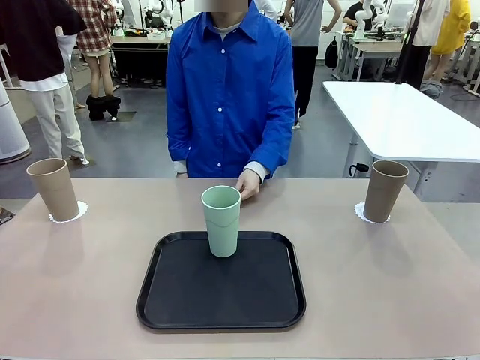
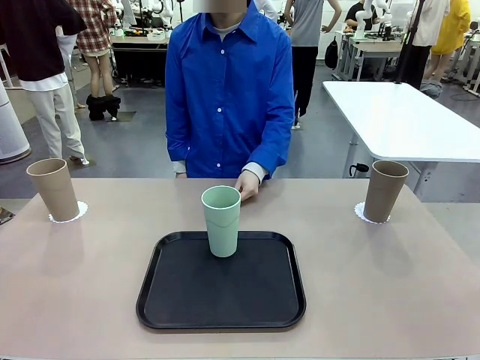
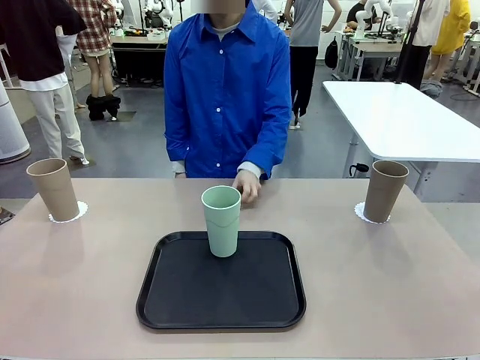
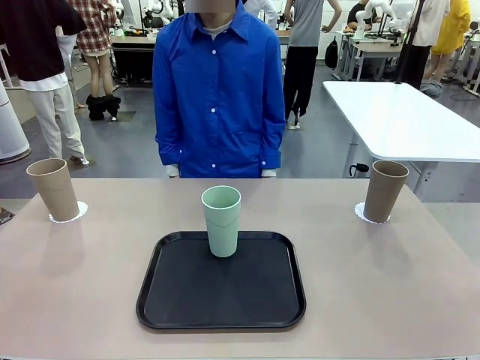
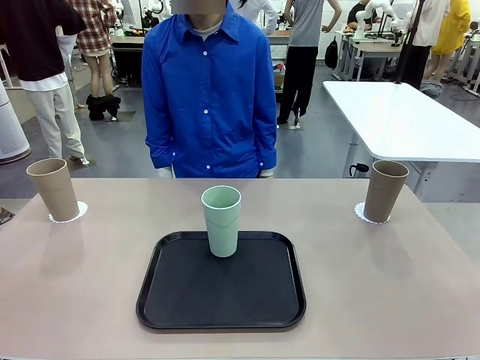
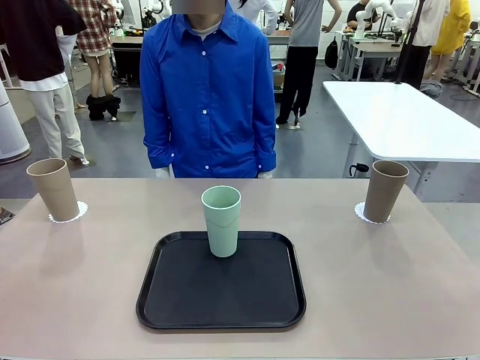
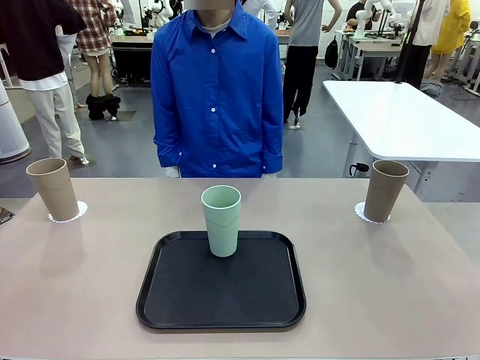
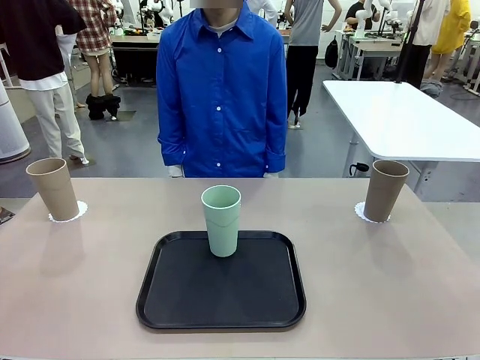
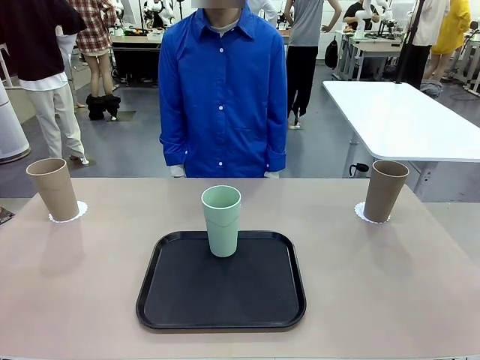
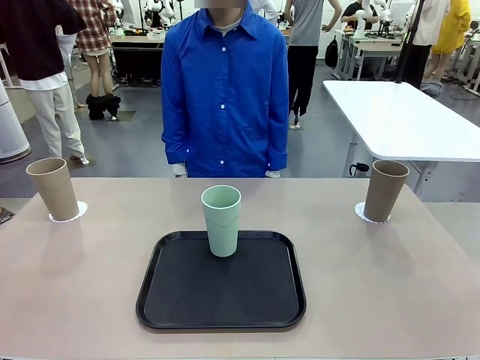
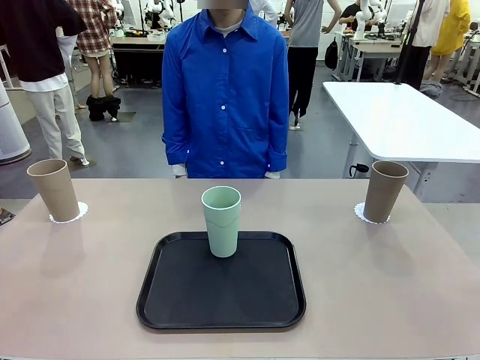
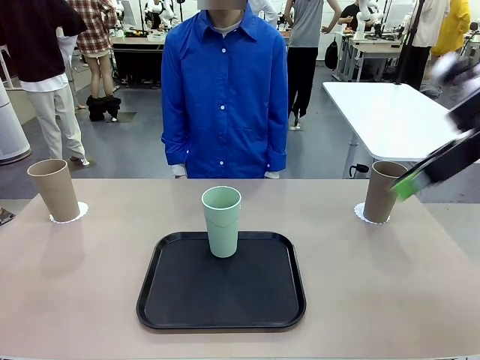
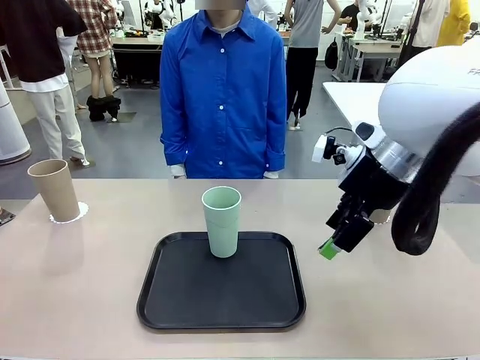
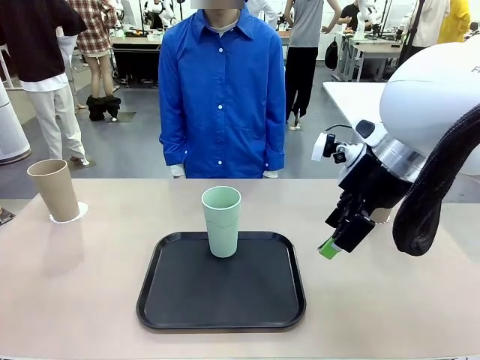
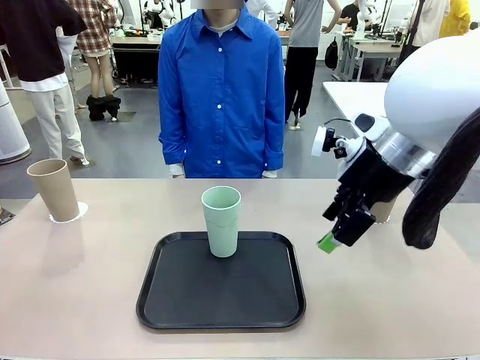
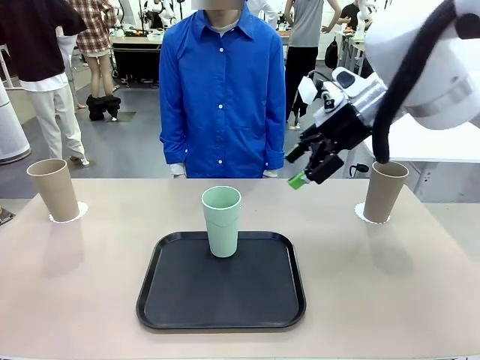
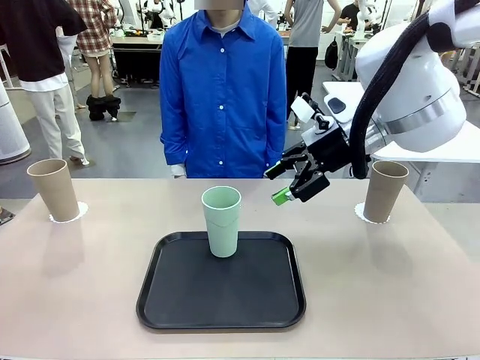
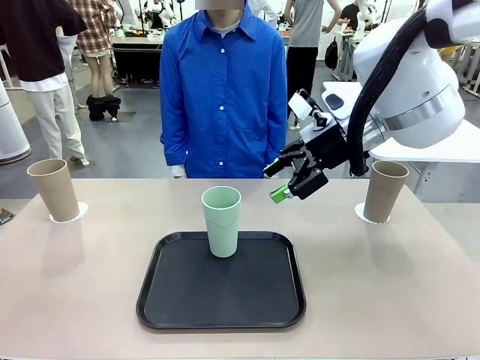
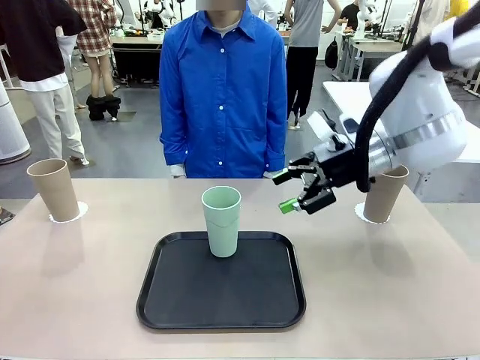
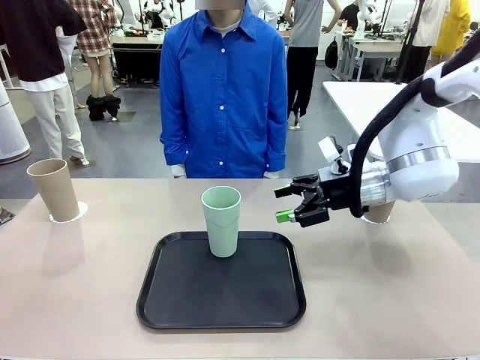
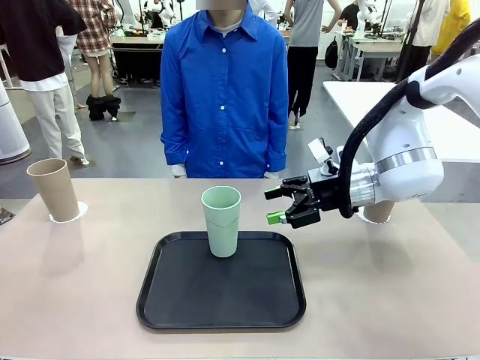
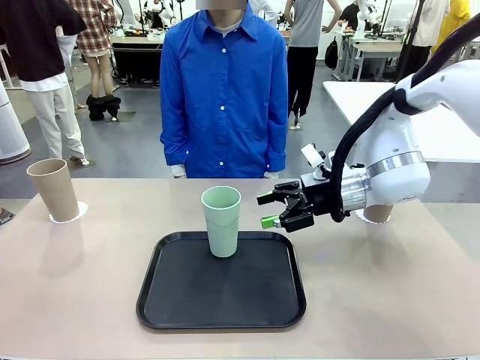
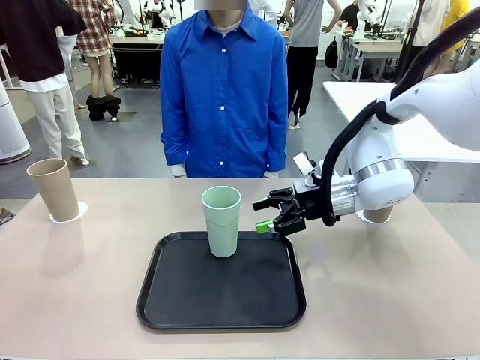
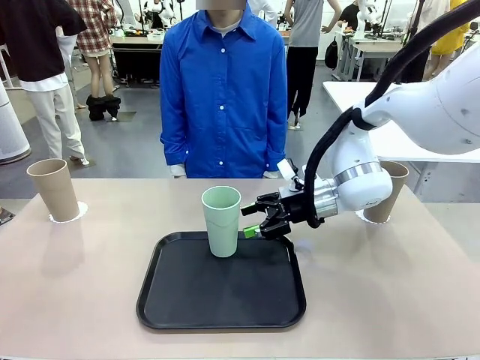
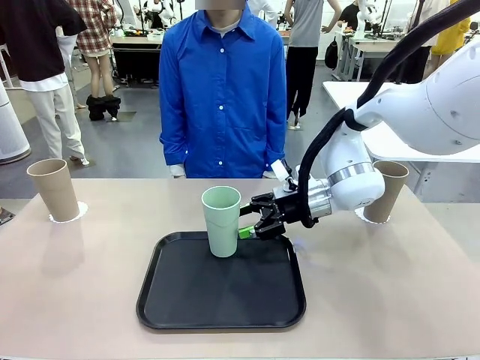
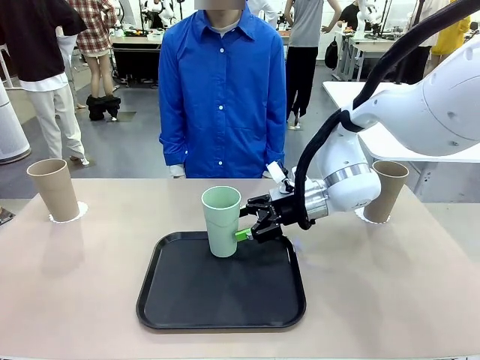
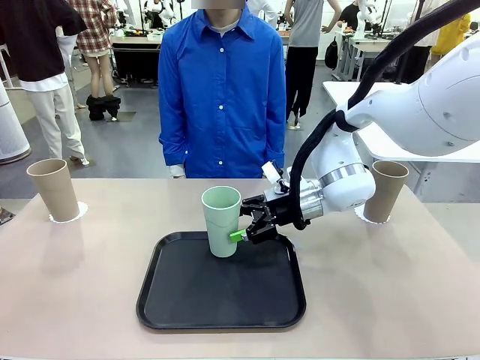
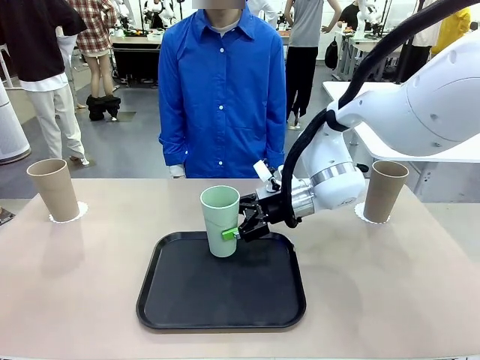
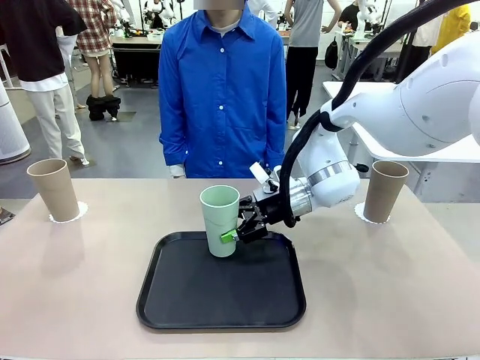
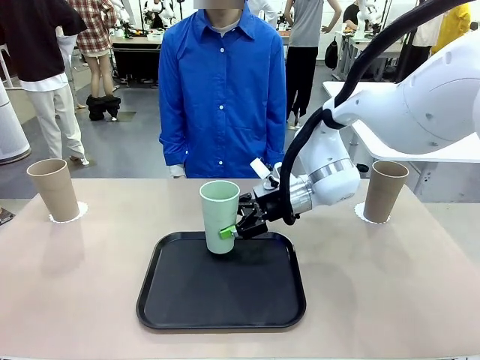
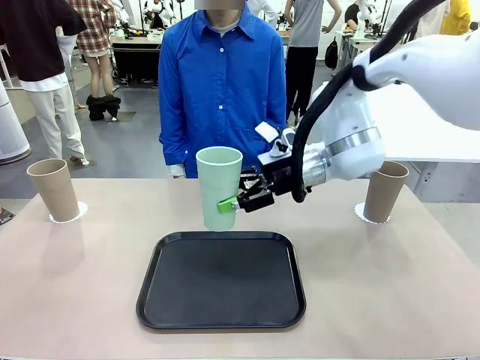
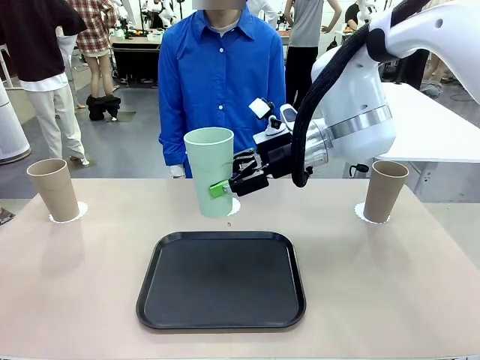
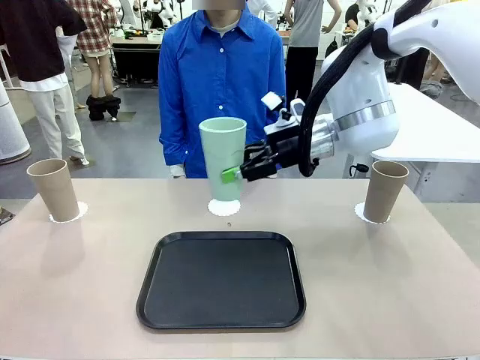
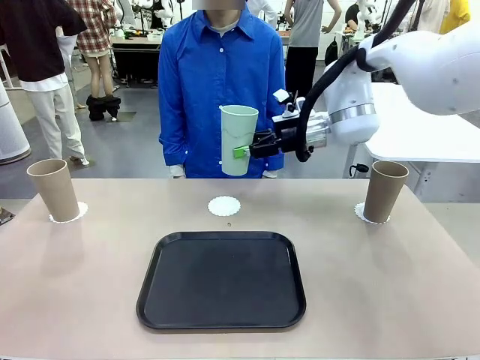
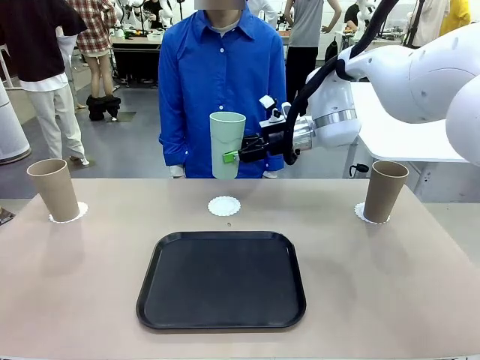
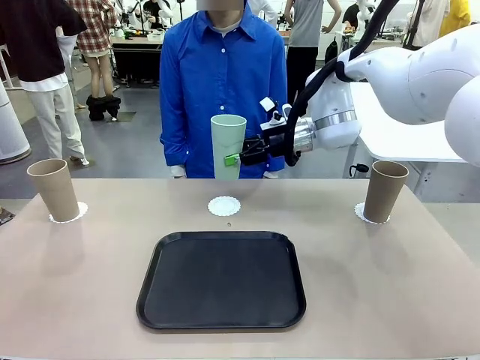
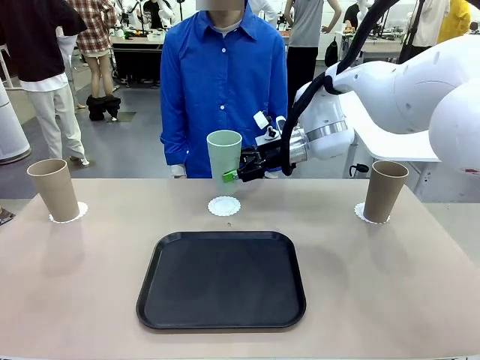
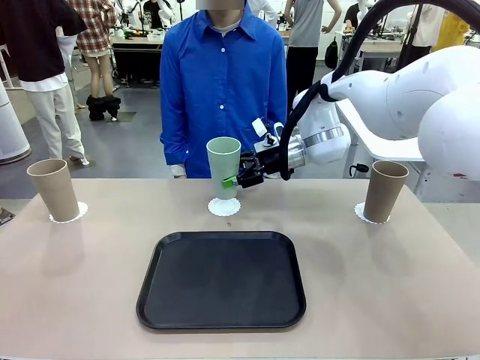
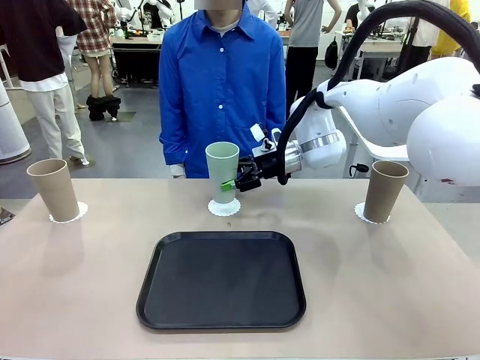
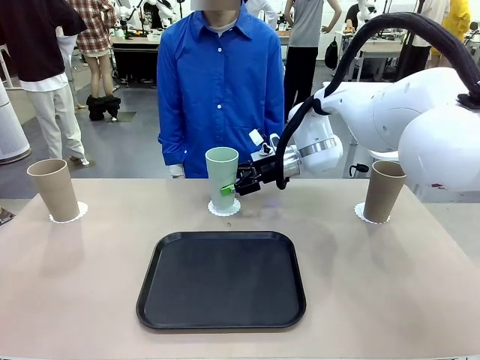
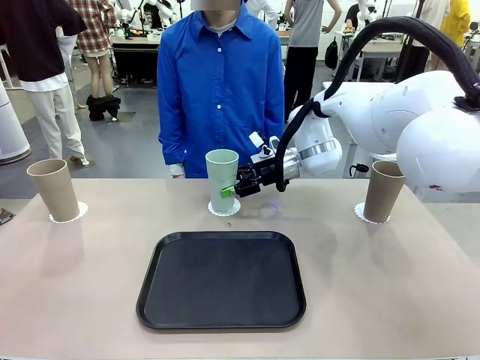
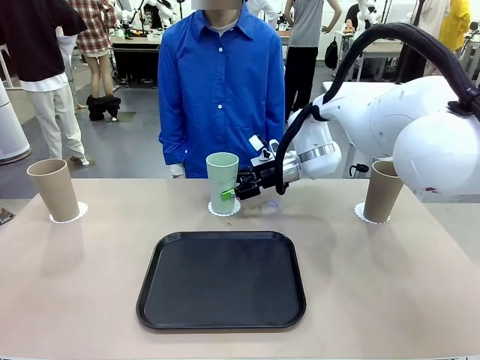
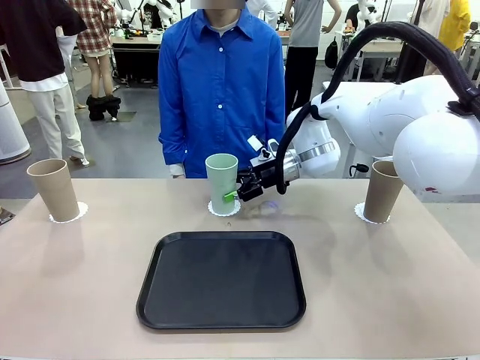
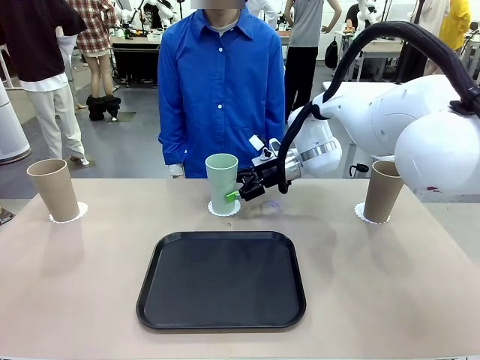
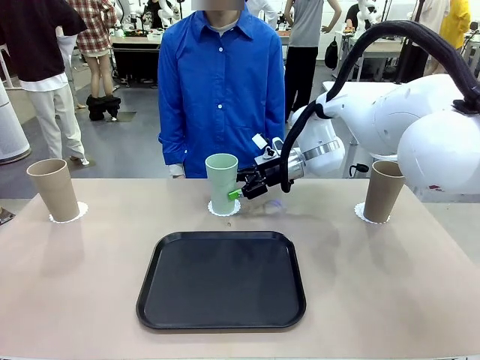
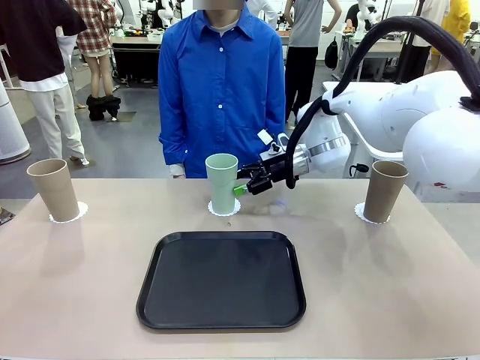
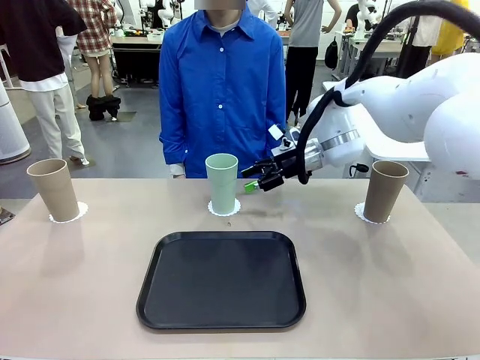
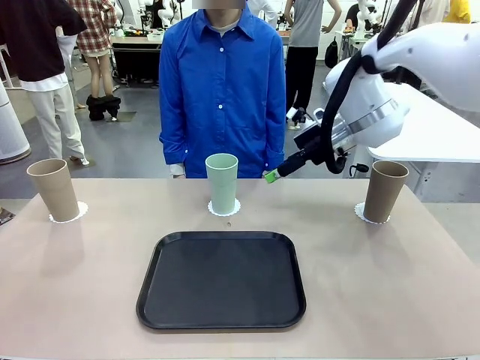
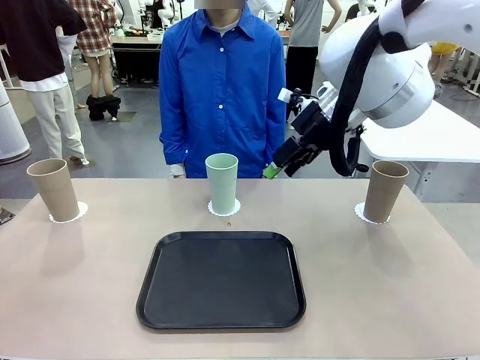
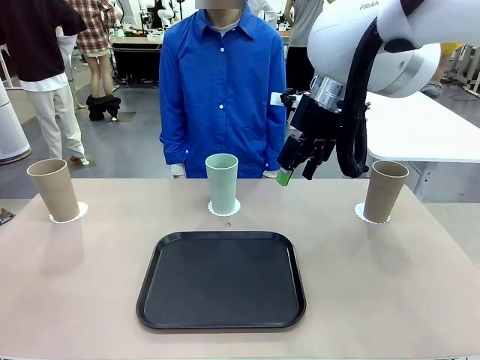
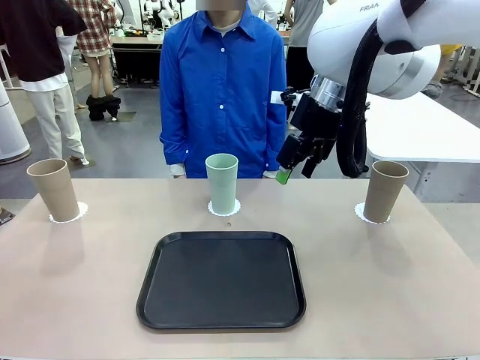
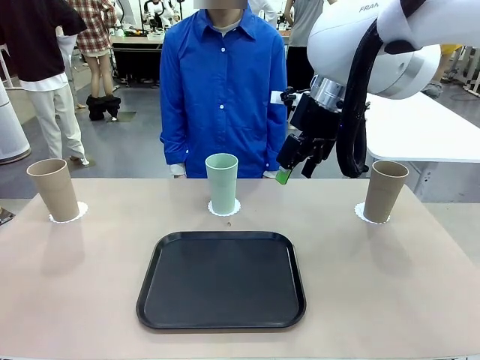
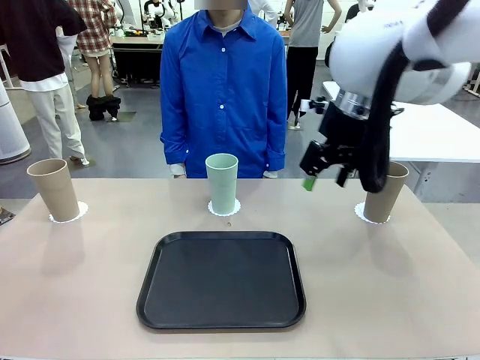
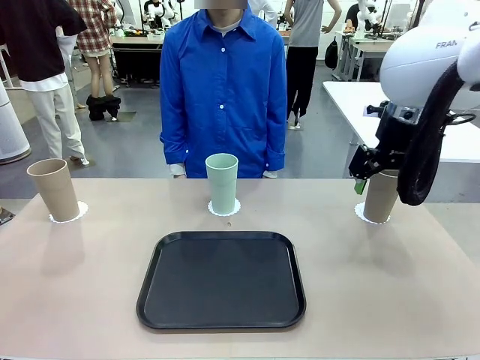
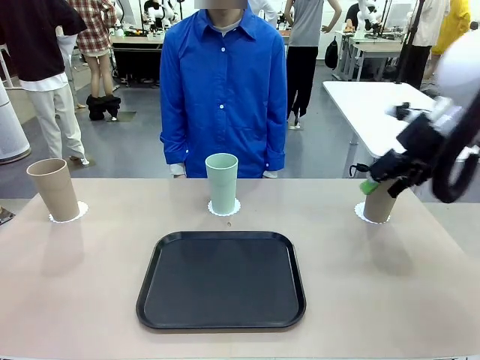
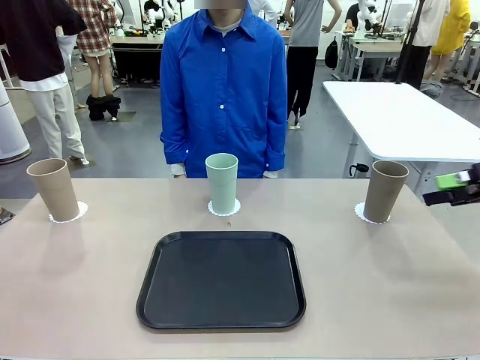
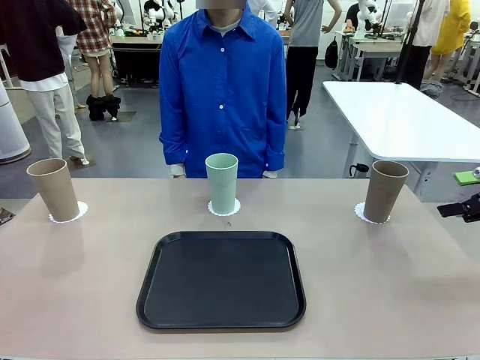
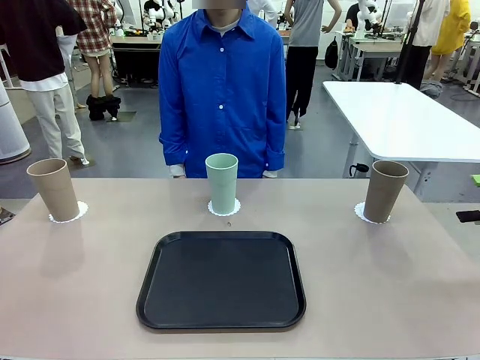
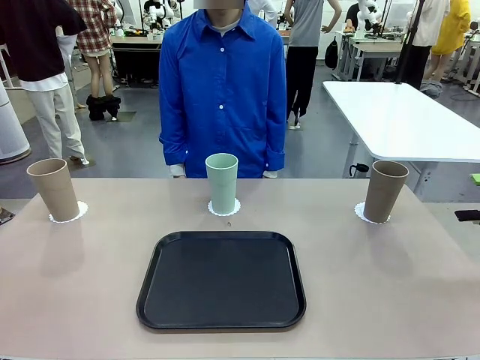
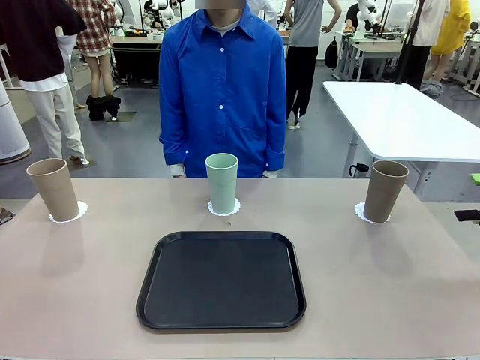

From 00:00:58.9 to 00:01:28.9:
Task: Place coasters on the table and set cups on them.
Robot: Take one Reusable plastic cup from the Flat Tray and place it on a coaster set by the human.
Person: Place one coaster in the only remaining area.
